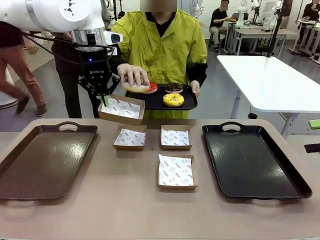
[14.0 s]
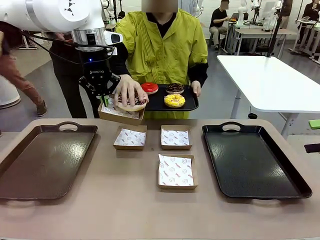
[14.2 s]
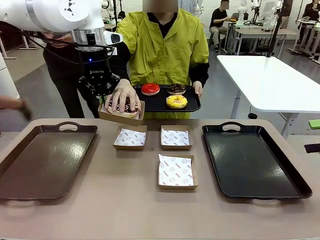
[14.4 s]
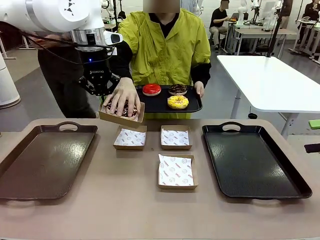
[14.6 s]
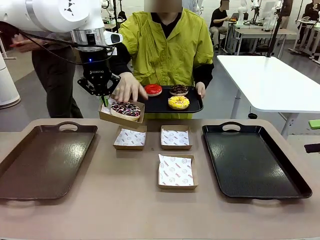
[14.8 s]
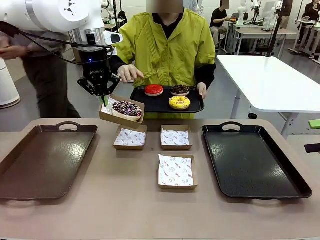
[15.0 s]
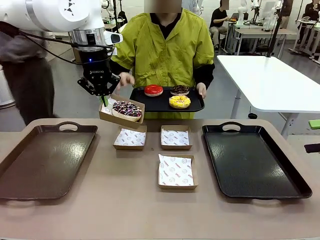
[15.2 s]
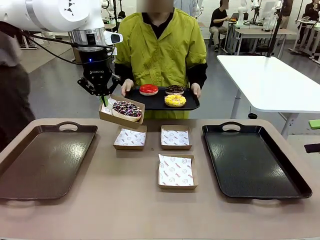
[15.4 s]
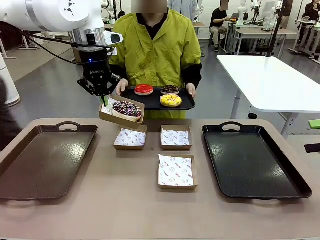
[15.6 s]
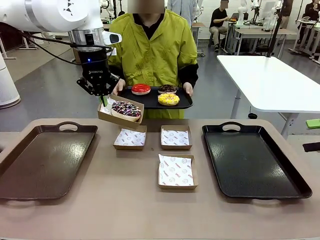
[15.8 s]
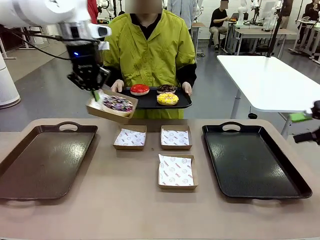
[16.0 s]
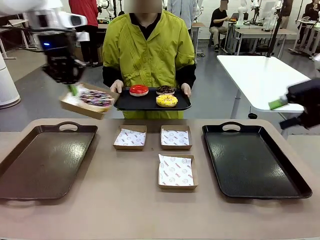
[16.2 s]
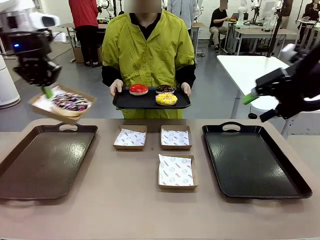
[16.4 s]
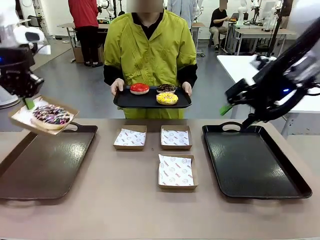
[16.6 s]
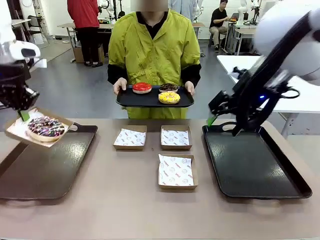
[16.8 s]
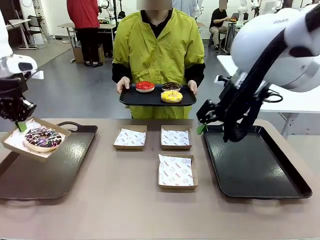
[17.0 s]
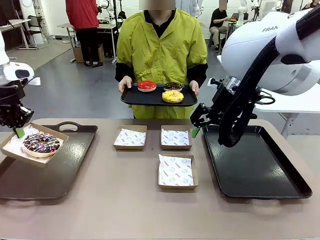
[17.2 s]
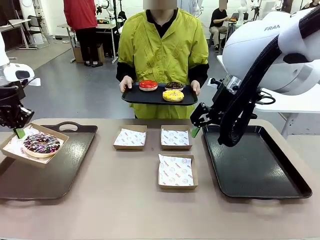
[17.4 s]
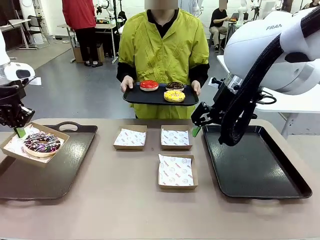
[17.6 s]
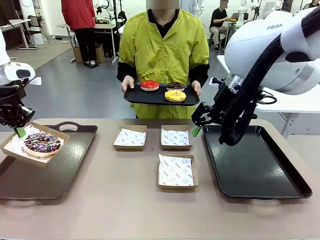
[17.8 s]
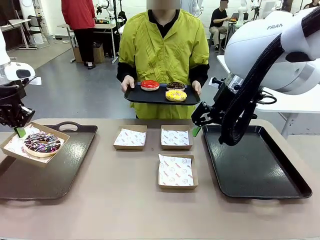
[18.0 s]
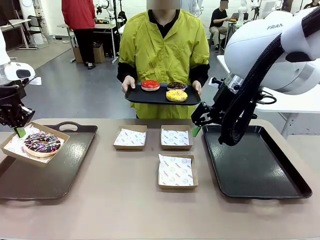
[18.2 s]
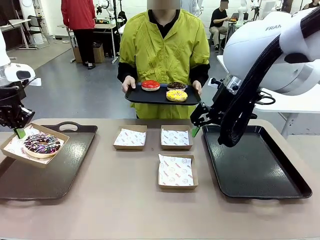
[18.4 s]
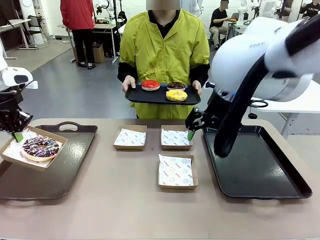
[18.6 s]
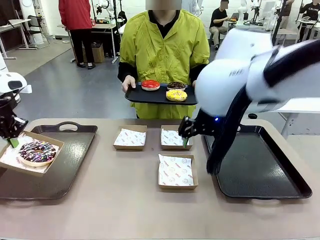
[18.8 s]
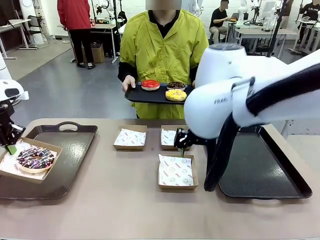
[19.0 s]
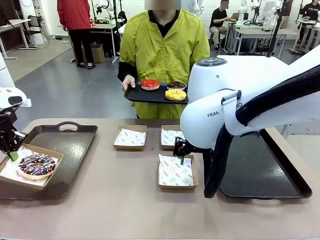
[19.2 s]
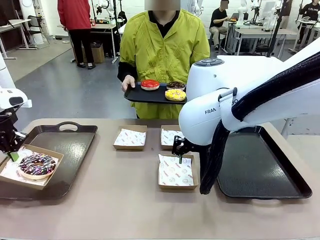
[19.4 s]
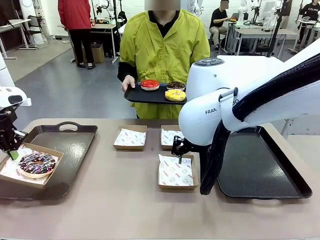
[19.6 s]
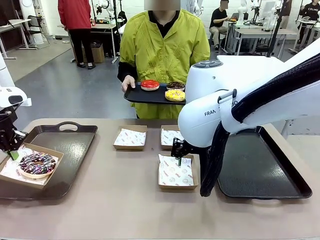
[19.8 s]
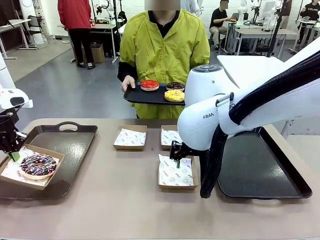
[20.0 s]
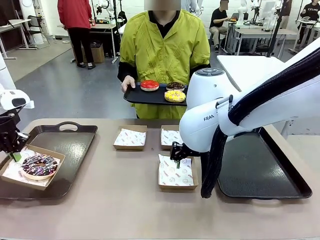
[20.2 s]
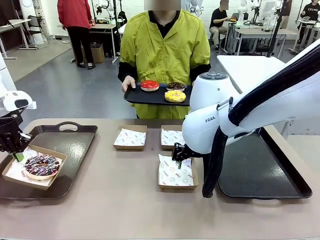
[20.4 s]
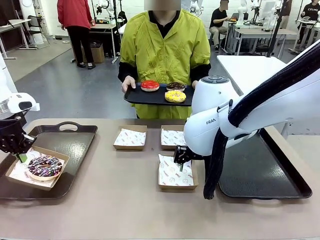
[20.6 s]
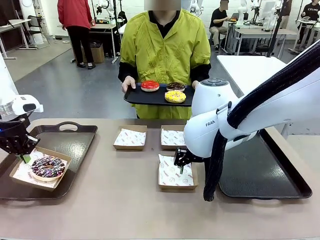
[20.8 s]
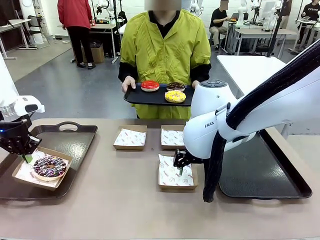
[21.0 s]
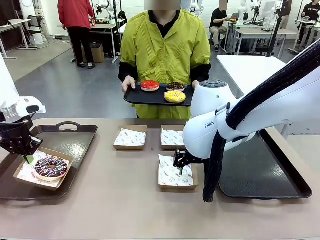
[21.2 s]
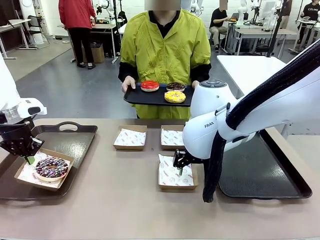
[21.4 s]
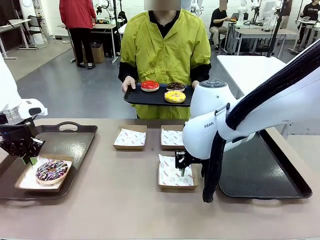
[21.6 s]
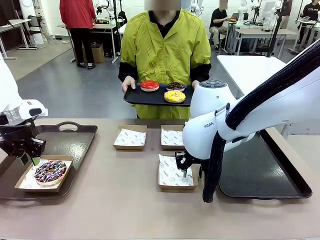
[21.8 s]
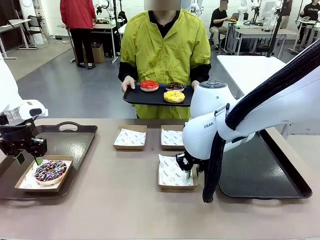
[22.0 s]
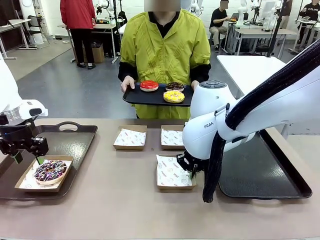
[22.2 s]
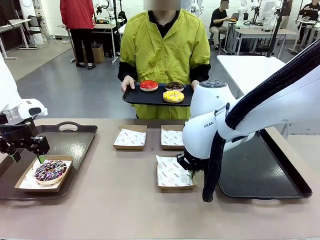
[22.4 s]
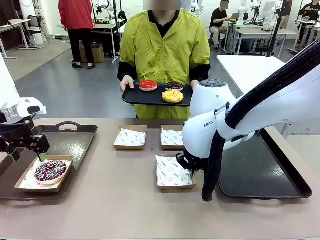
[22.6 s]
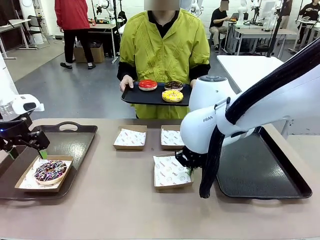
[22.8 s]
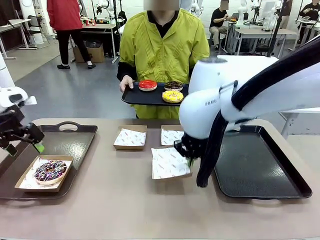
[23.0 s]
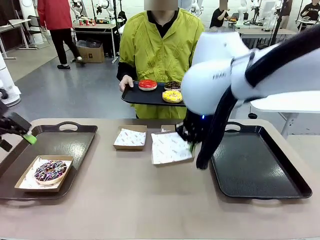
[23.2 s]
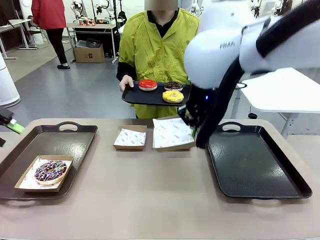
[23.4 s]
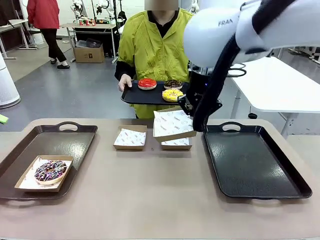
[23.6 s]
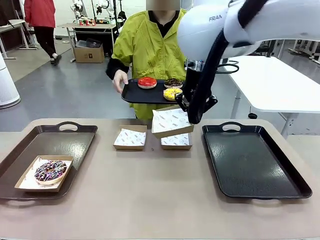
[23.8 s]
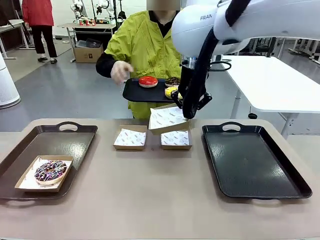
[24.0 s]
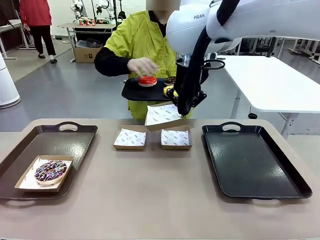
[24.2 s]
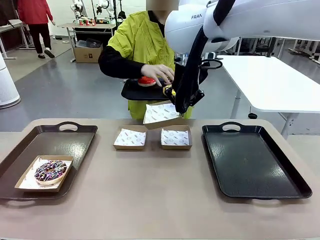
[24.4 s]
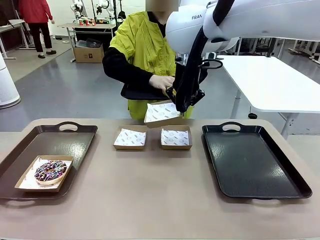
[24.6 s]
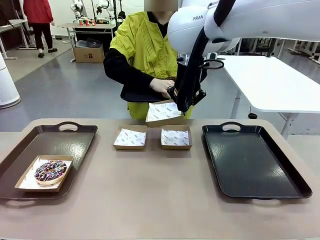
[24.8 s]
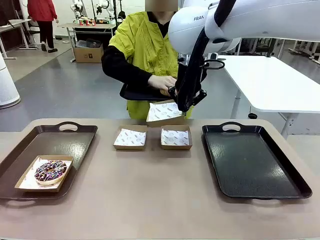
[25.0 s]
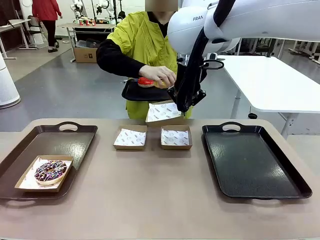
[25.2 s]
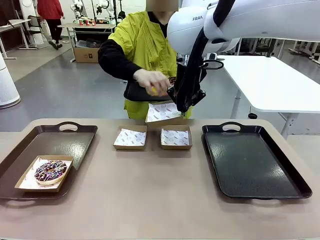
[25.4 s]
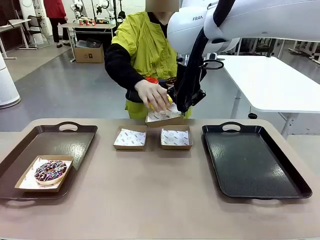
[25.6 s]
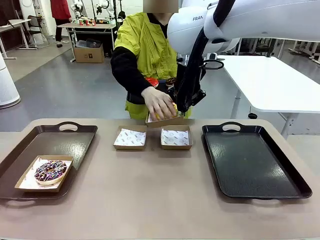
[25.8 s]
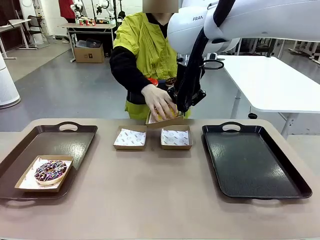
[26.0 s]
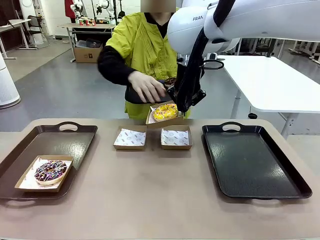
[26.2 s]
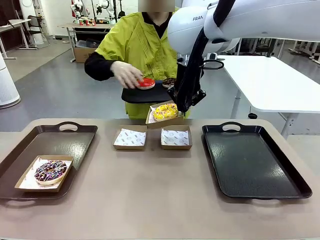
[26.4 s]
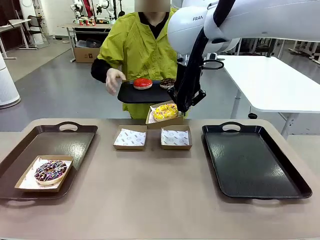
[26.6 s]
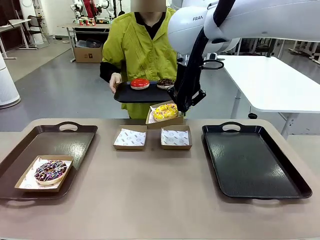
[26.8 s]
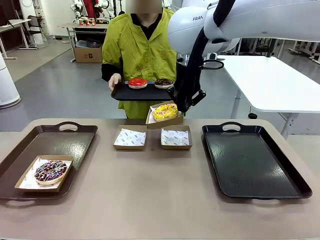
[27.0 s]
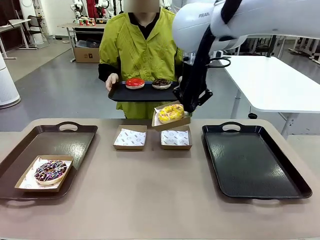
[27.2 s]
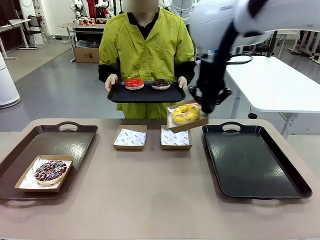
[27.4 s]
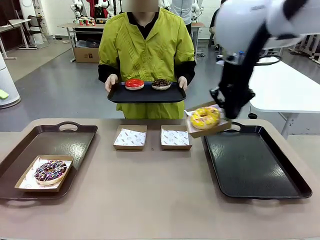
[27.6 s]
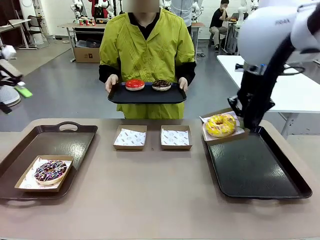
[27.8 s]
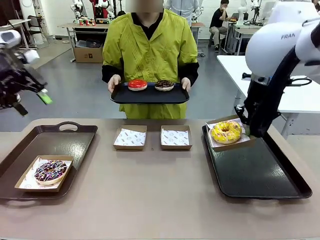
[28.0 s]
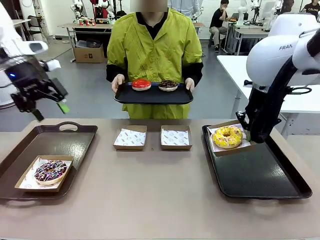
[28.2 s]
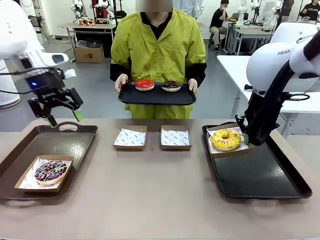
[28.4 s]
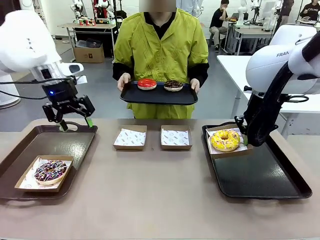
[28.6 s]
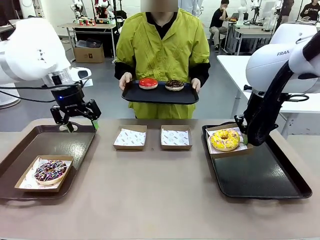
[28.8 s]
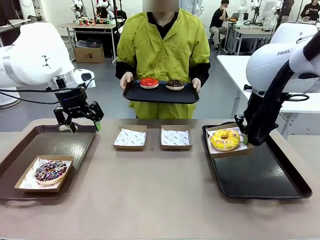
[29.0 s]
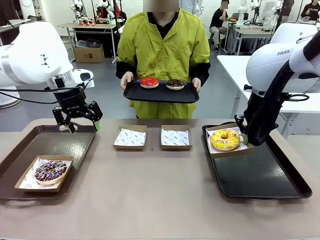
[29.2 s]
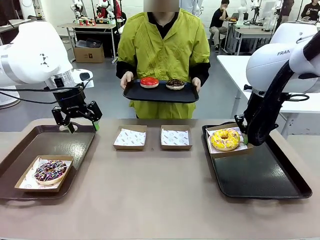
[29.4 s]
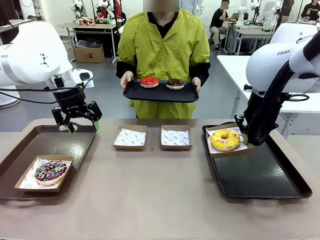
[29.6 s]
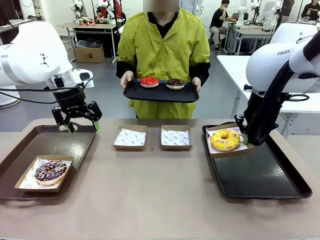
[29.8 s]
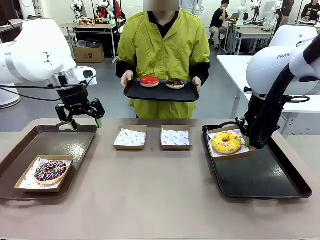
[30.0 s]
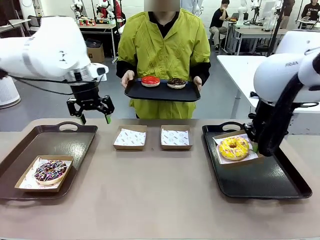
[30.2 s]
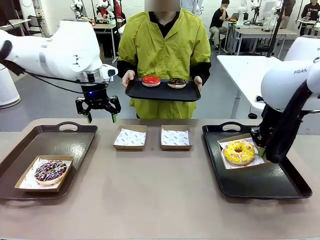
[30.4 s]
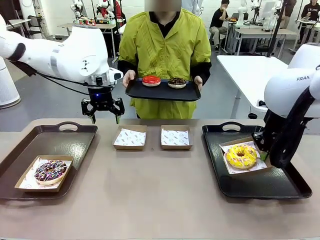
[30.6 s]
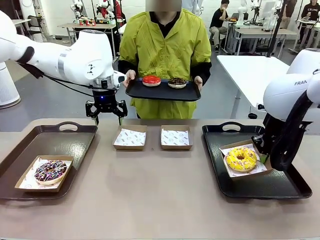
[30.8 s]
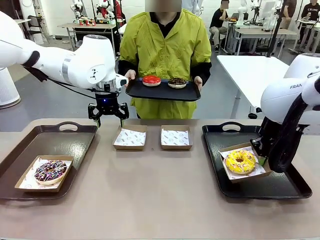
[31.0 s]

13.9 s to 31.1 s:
Task: Individually package the donuts and arrange them on the tray.
Robot: Place the picked Paper togo box on the Handle tray while simultaneously picking up another Paper togo box from the table with the other hand.
